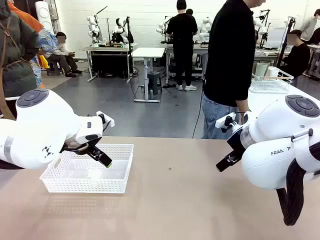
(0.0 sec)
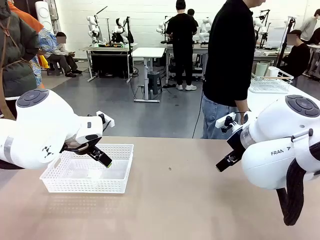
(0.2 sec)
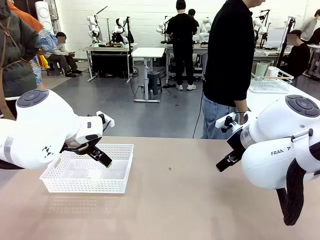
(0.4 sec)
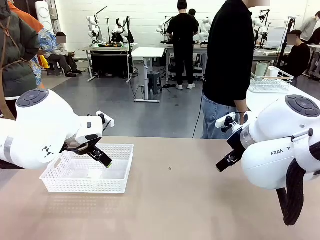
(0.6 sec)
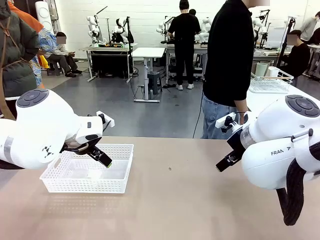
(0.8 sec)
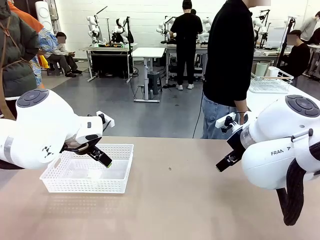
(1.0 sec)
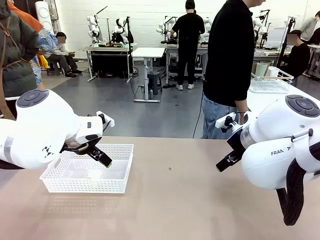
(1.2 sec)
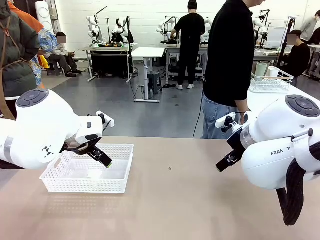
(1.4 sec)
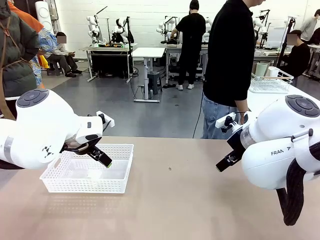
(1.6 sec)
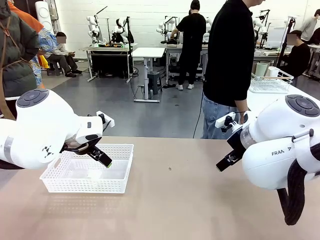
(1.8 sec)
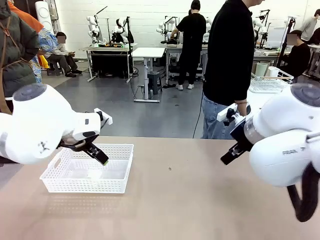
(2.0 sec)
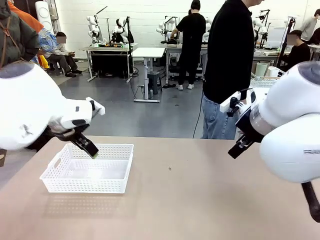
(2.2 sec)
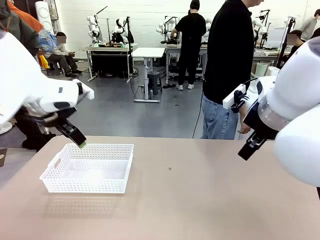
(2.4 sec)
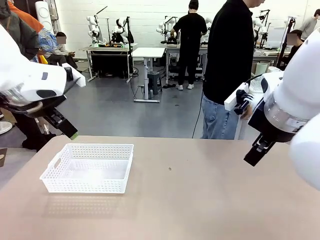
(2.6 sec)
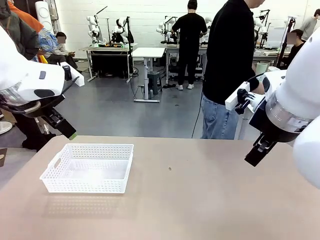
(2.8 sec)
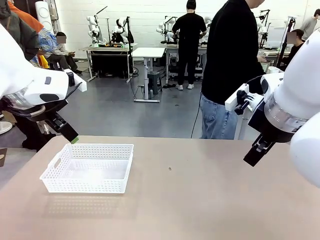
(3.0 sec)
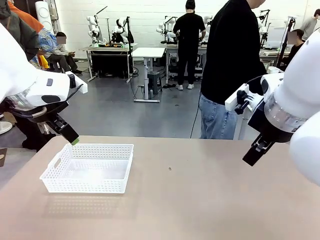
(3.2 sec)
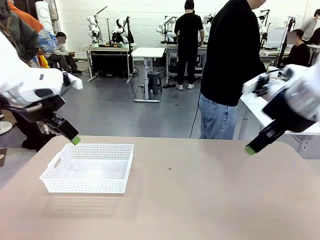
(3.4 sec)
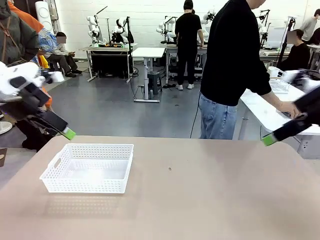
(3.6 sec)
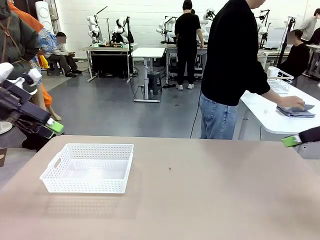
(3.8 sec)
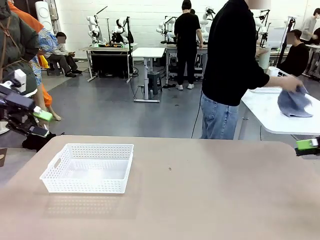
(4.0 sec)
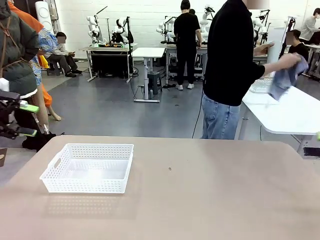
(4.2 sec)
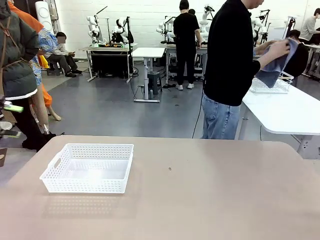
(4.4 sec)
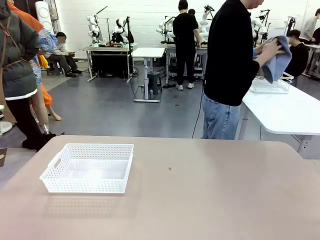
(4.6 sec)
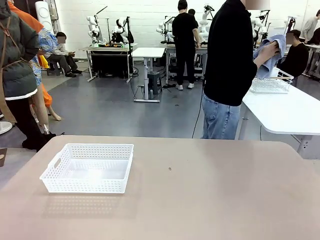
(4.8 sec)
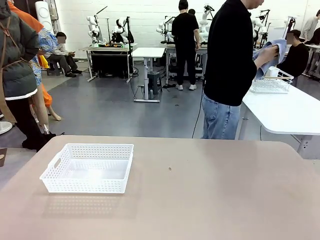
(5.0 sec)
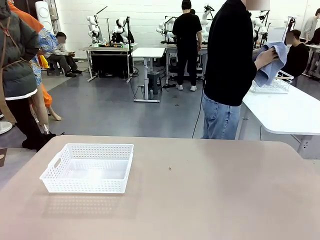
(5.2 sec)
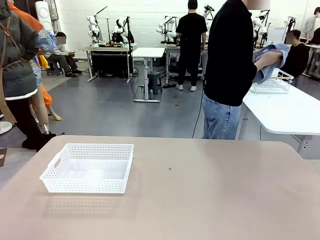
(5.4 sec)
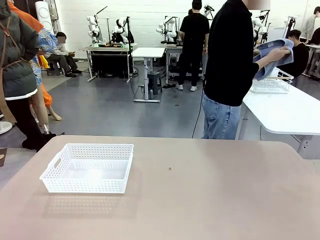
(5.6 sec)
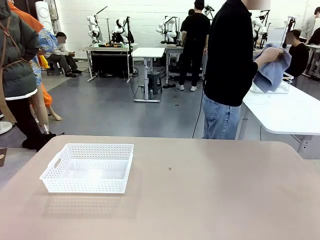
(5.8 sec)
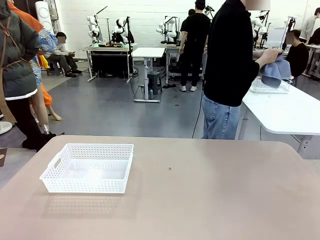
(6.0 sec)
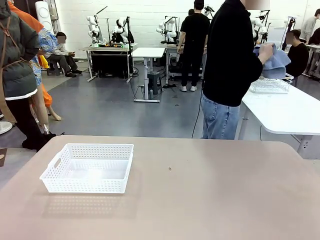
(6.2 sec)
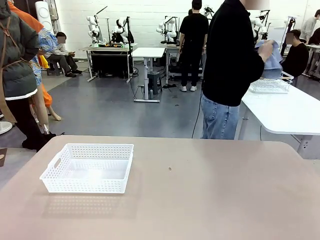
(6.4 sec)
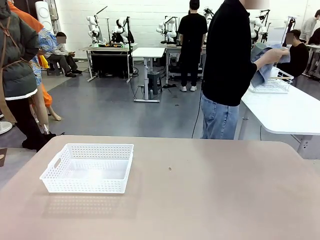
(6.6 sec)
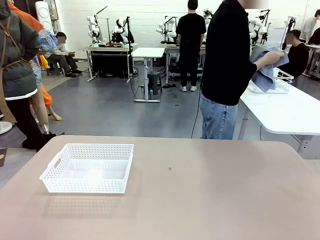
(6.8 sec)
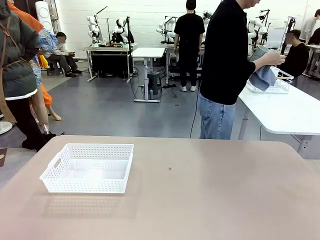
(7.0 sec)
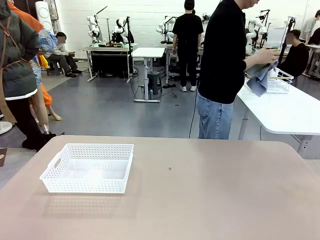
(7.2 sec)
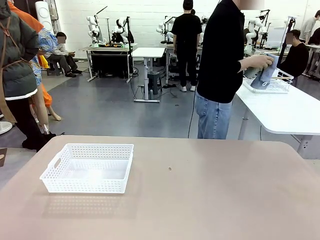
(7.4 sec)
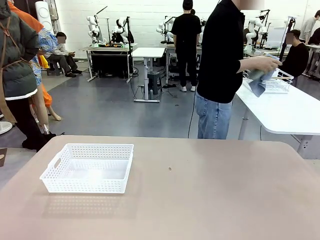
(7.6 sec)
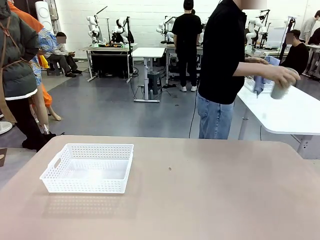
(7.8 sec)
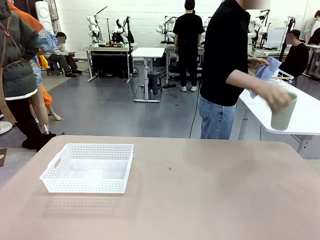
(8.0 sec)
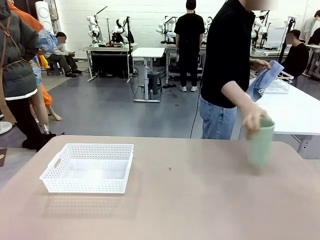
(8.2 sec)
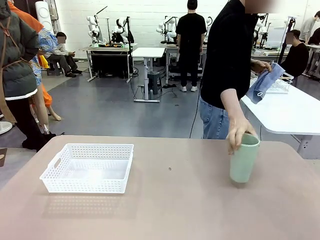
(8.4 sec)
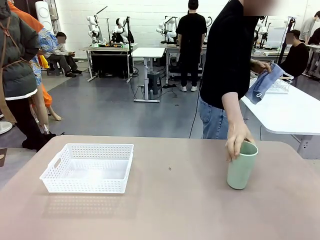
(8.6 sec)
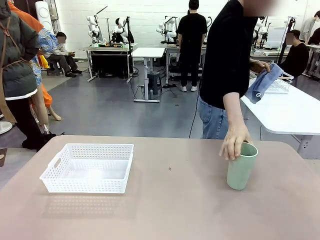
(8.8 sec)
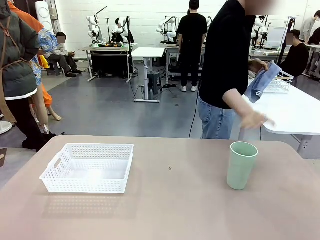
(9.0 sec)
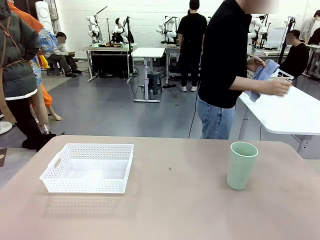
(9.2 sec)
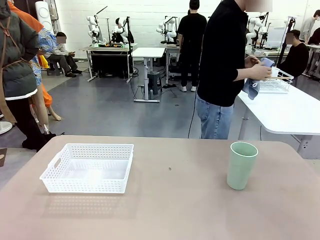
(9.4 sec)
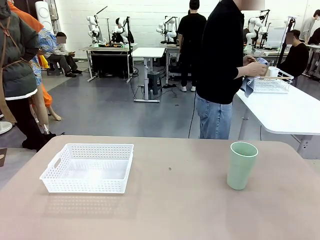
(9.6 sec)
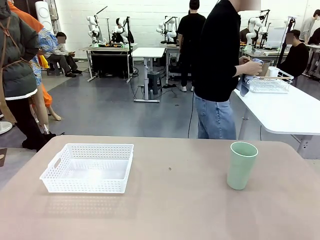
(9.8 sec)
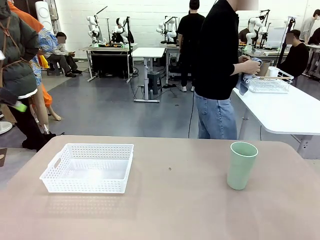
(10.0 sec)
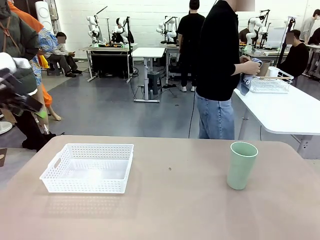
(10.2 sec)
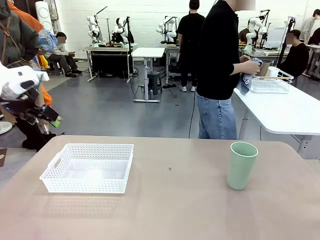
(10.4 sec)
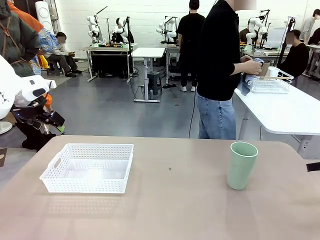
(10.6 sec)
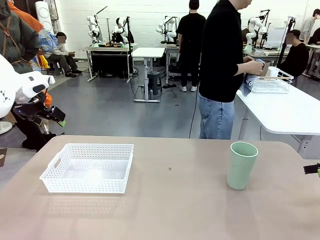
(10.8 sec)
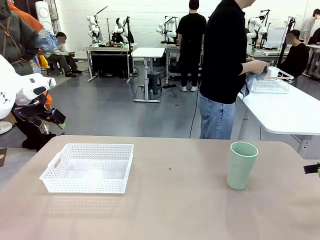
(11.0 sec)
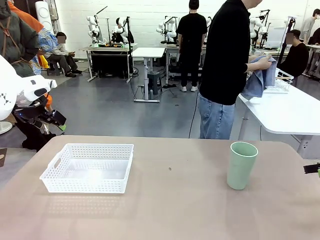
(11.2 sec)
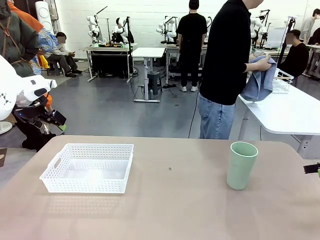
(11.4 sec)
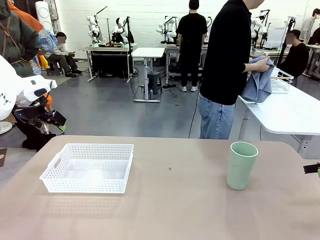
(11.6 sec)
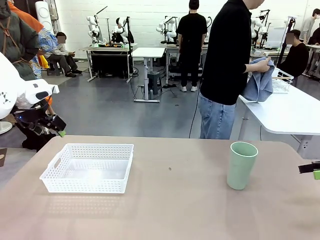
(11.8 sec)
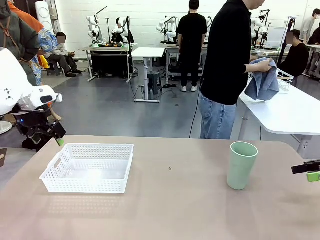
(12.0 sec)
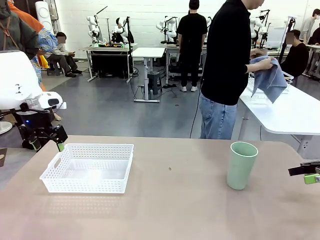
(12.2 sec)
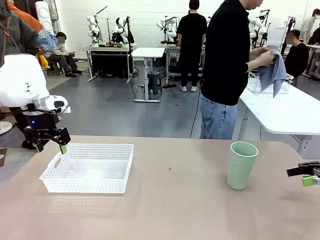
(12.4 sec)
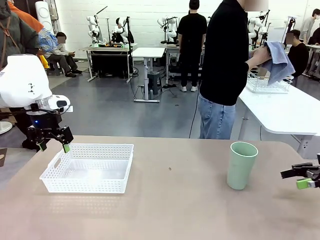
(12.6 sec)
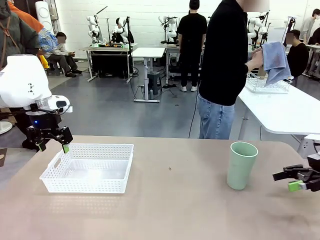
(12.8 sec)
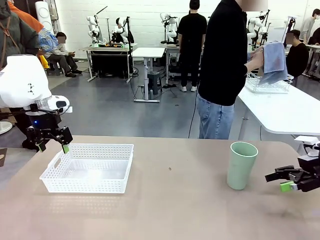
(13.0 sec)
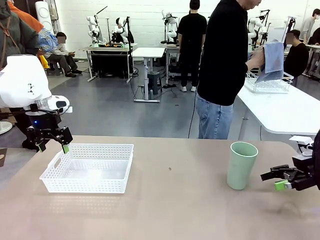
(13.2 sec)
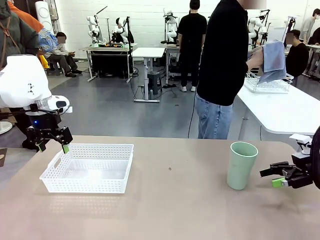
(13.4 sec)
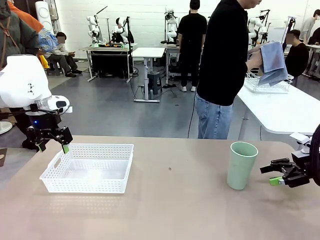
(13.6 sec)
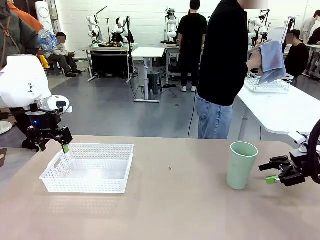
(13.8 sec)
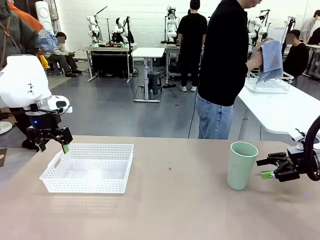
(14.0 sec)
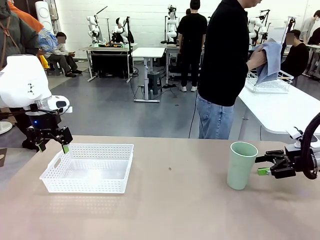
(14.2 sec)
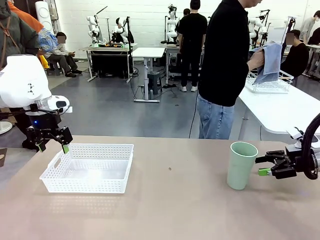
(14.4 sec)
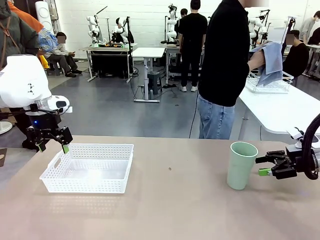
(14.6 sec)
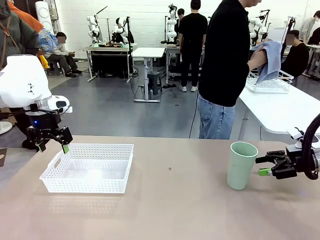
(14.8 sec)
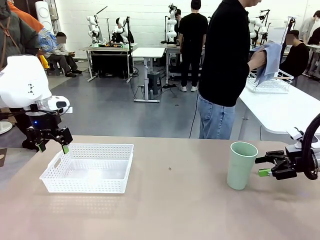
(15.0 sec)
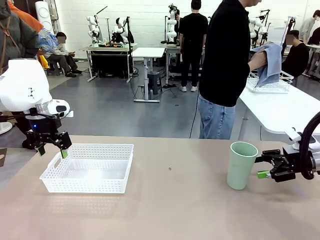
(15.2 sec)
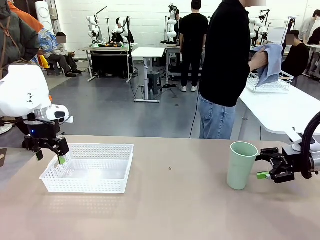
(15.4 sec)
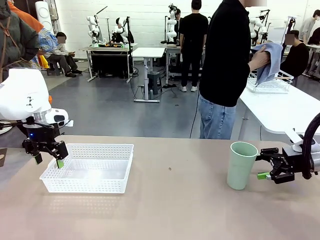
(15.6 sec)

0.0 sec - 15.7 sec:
Task: Clean and organize the cups into the basket.
Robot: Pick up the Organizing basket and move it to the center of the table, then pick up the Reusable plastic cup from the right side of the table and place it inside the Organizing basket.
Person: Picks up a cup and a towel, cleans the cup with the towel, and places it on the left side of the robot table.
